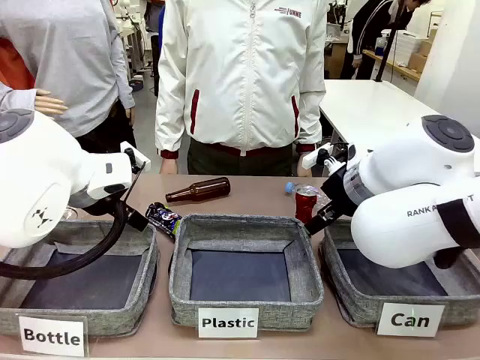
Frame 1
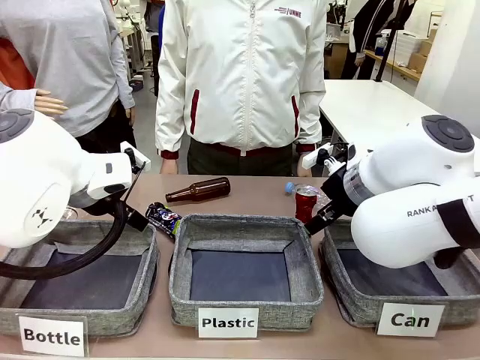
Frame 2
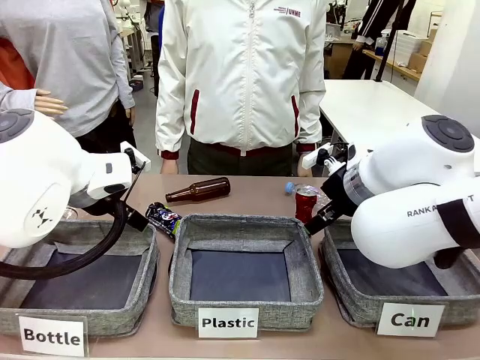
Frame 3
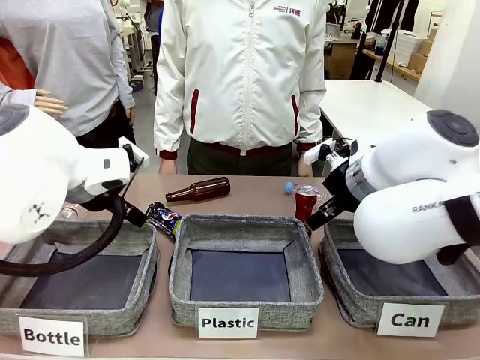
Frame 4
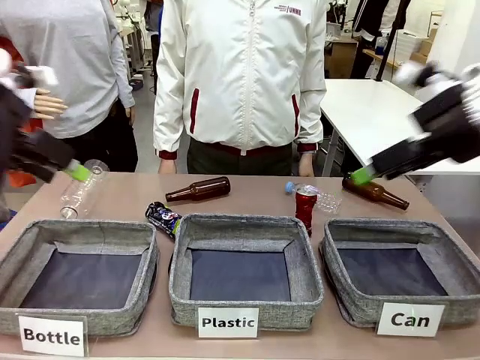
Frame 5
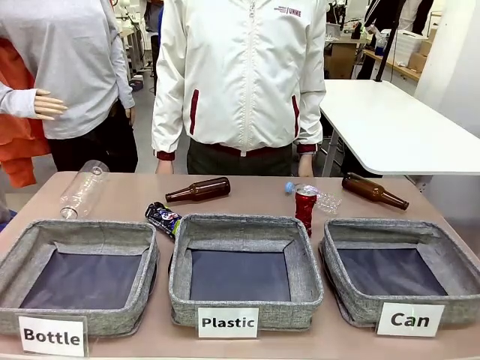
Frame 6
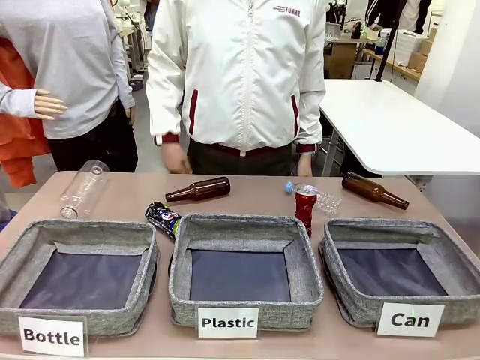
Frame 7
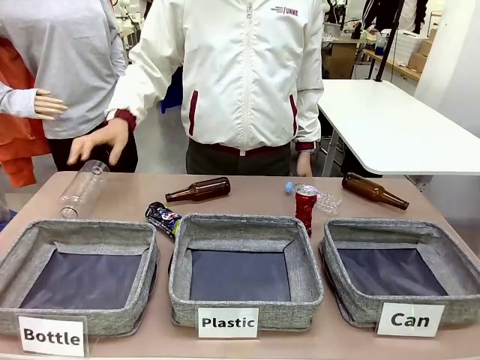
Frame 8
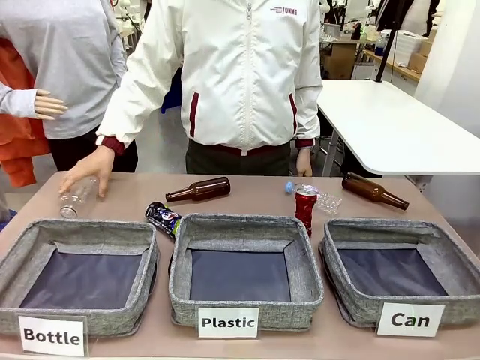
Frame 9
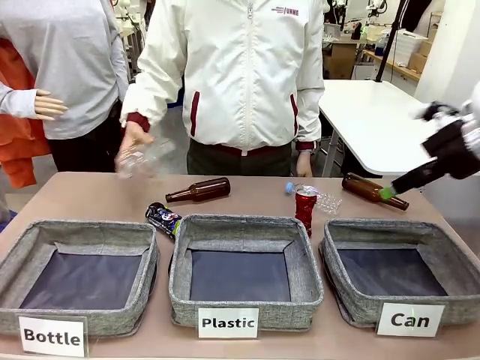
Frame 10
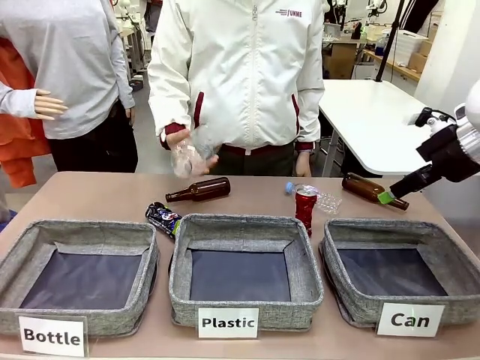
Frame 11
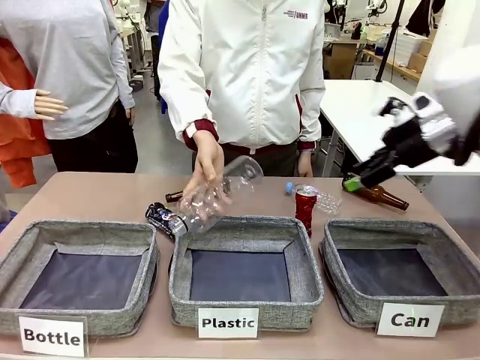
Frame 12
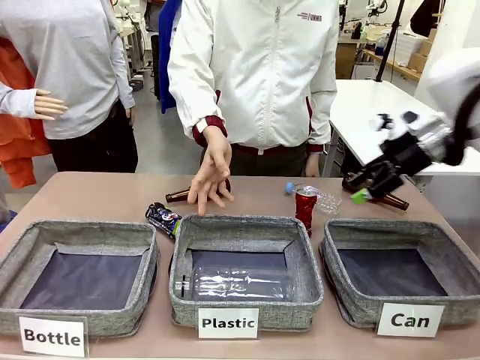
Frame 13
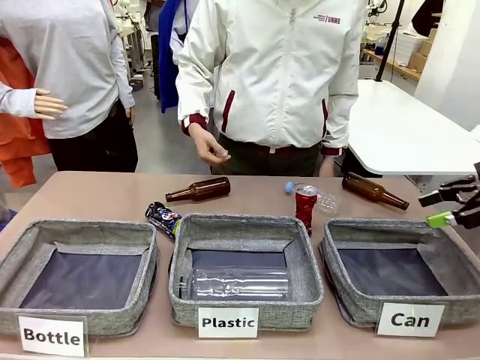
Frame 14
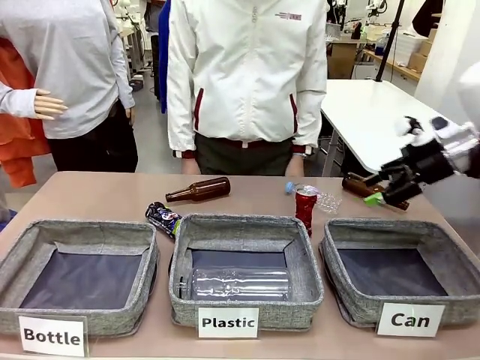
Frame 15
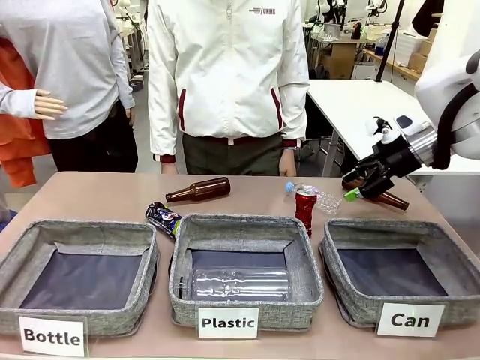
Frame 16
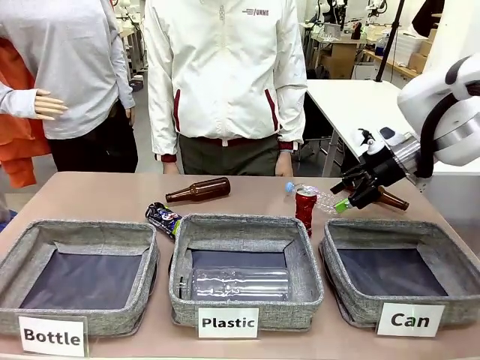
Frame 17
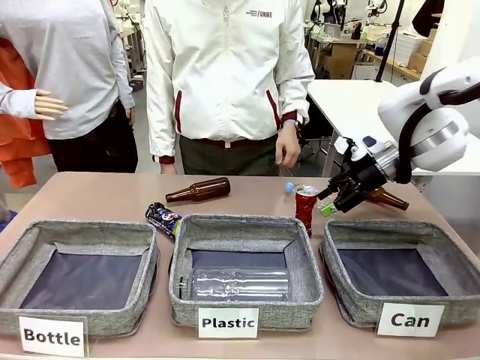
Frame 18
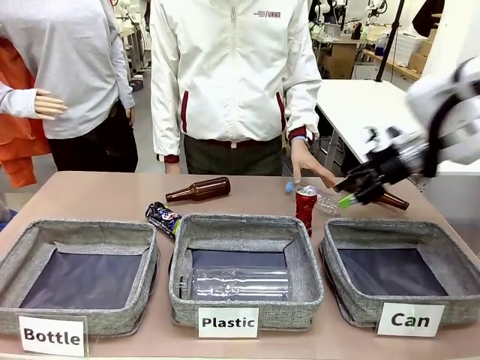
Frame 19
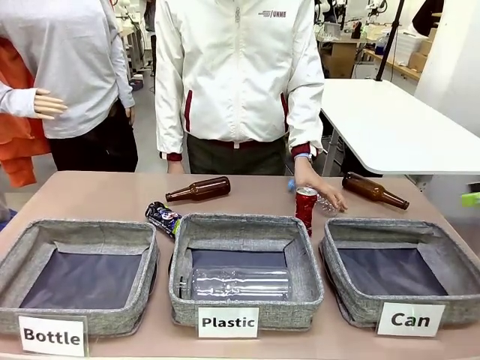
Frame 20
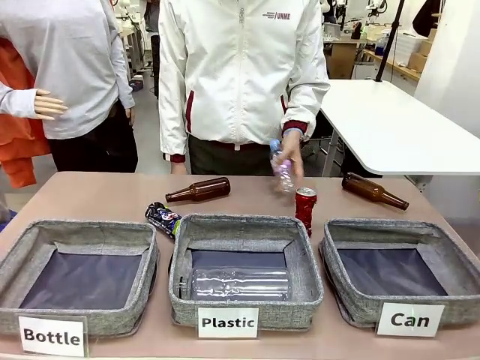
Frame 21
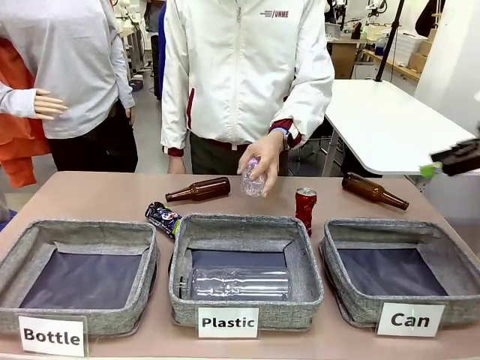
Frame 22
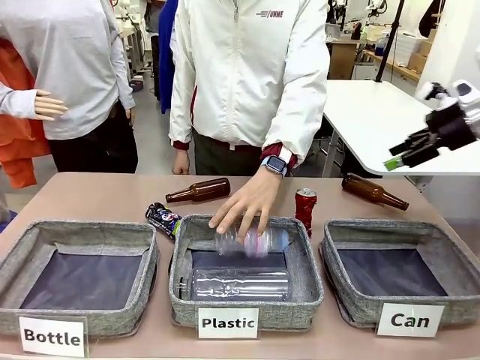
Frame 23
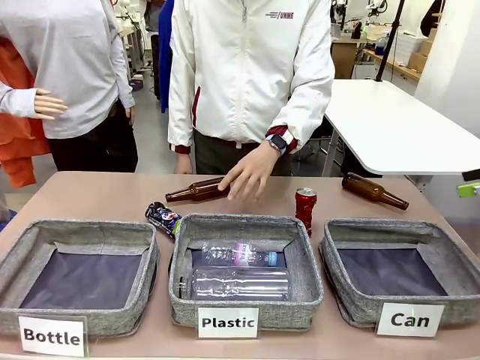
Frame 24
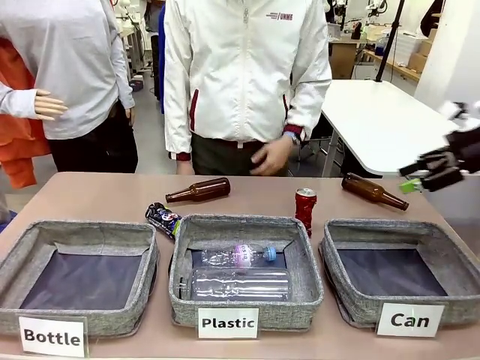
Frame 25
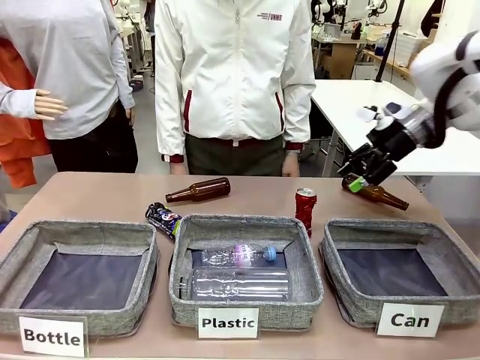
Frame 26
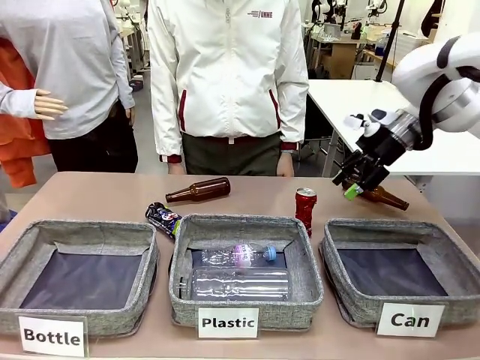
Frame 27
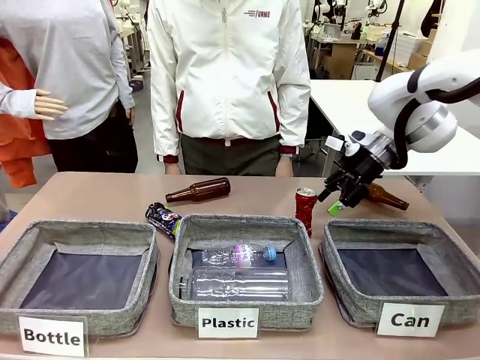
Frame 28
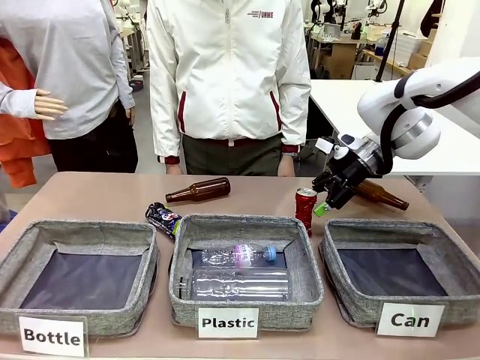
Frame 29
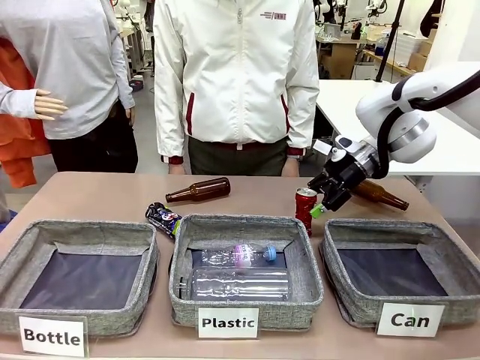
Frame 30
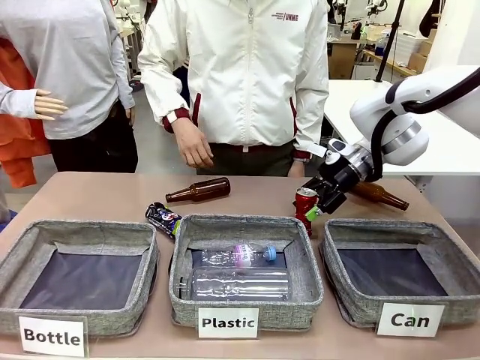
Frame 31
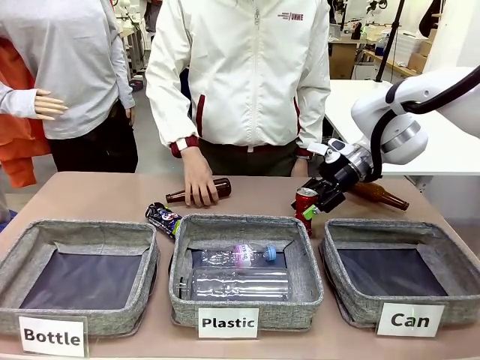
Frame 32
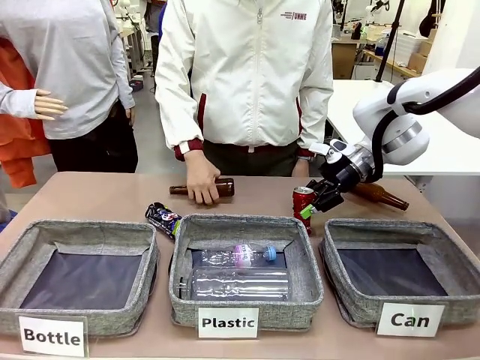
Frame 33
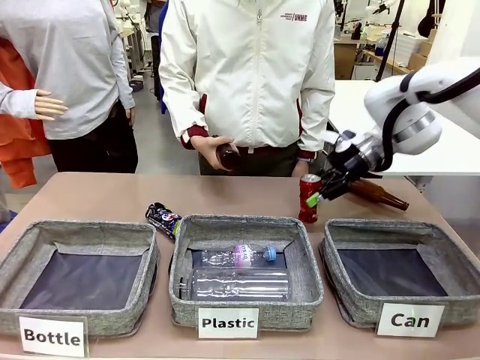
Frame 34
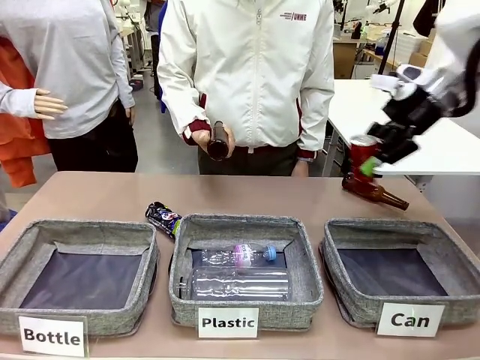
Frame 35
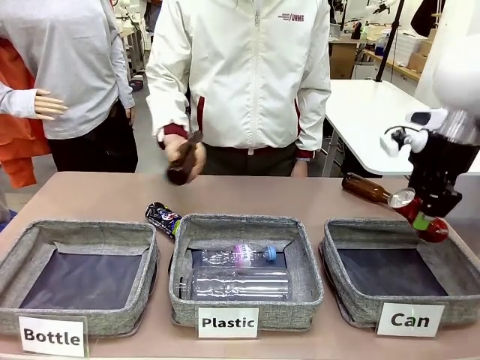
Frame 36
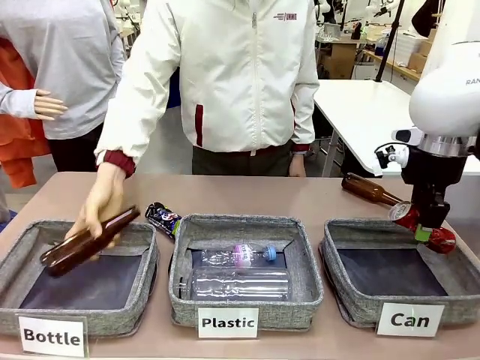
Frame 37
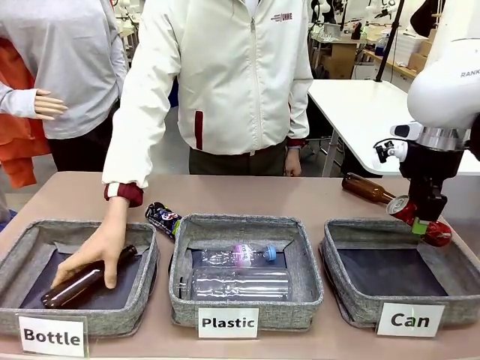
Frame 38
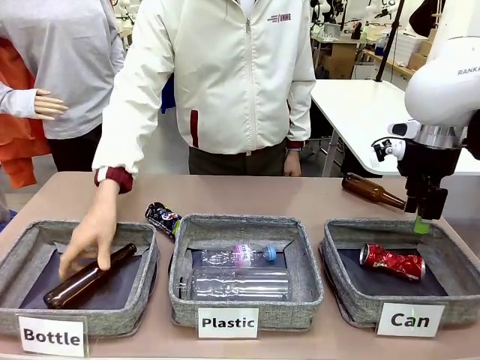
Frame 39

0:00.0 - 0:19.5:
Task: Sort the can waste into the basket.
Robot: Pick up the can waste from the table and place it in the right Fabric basket.
